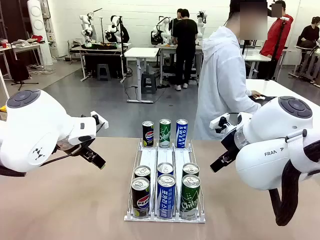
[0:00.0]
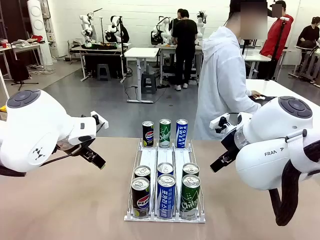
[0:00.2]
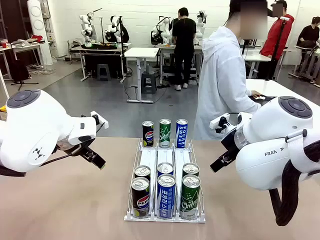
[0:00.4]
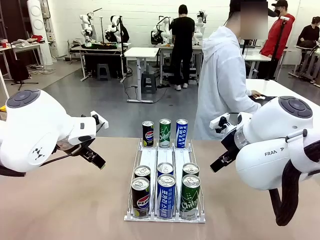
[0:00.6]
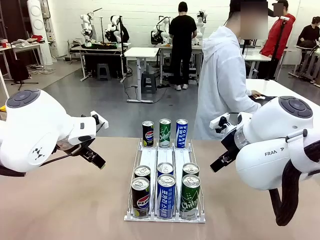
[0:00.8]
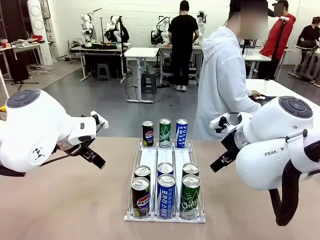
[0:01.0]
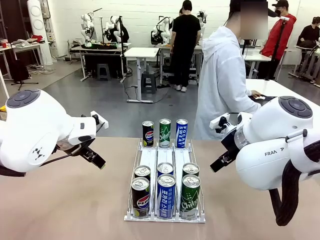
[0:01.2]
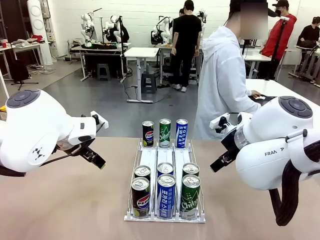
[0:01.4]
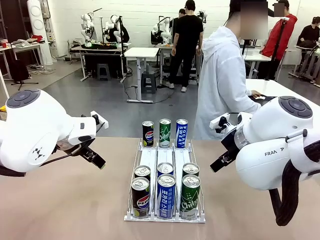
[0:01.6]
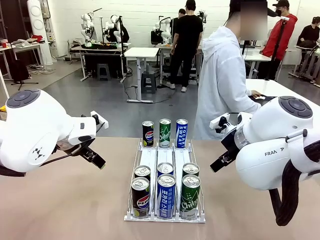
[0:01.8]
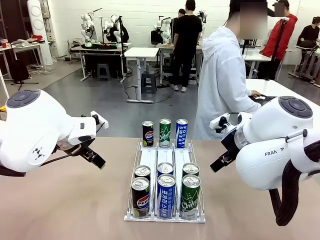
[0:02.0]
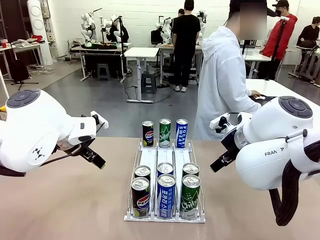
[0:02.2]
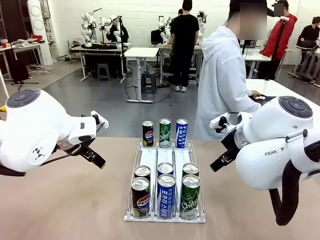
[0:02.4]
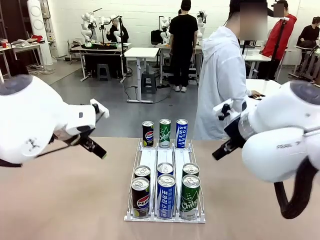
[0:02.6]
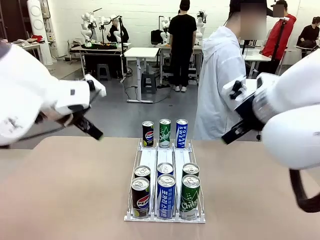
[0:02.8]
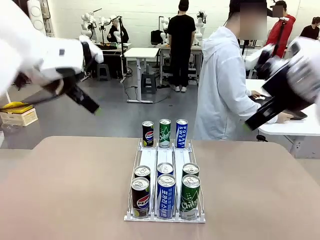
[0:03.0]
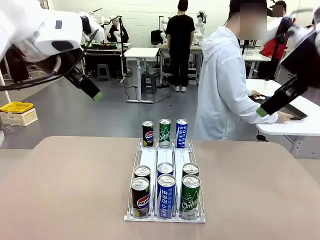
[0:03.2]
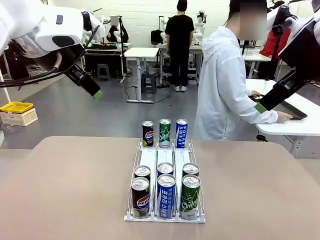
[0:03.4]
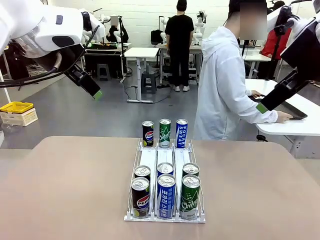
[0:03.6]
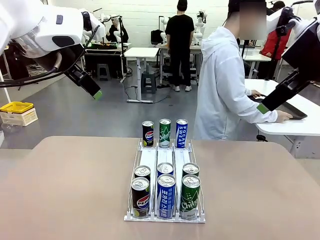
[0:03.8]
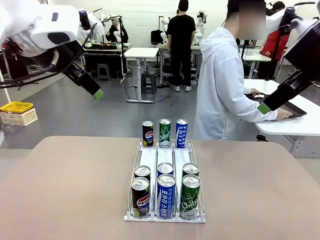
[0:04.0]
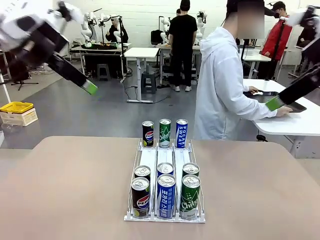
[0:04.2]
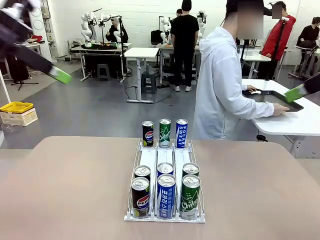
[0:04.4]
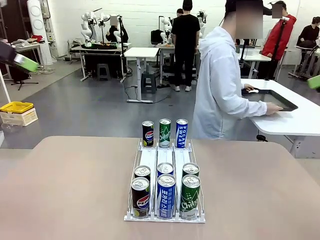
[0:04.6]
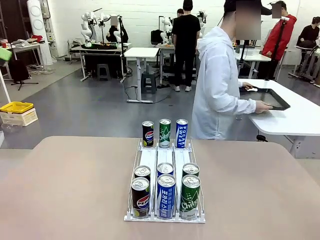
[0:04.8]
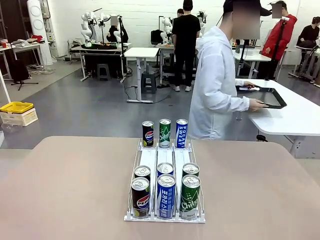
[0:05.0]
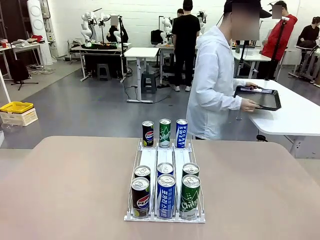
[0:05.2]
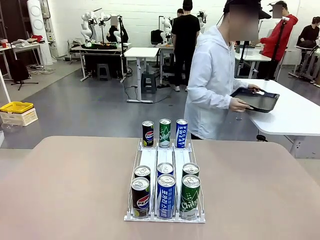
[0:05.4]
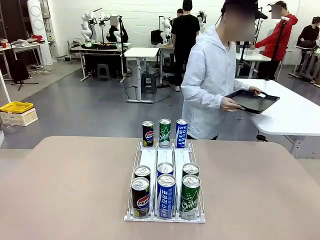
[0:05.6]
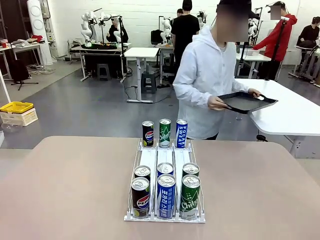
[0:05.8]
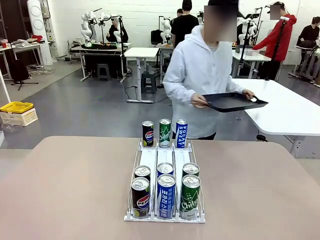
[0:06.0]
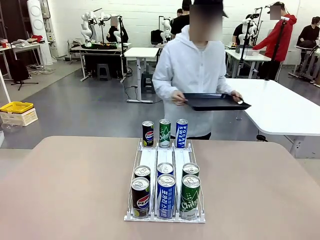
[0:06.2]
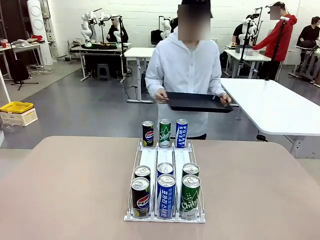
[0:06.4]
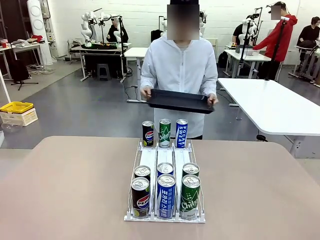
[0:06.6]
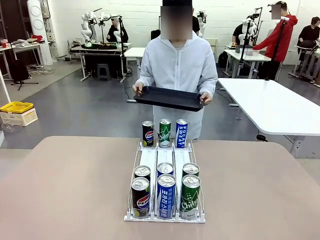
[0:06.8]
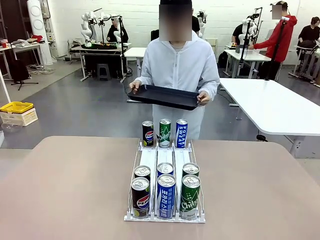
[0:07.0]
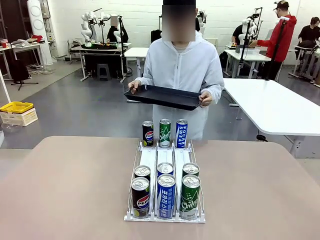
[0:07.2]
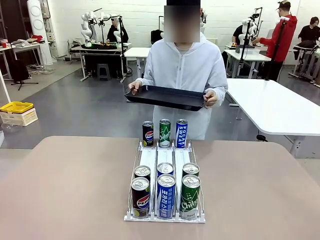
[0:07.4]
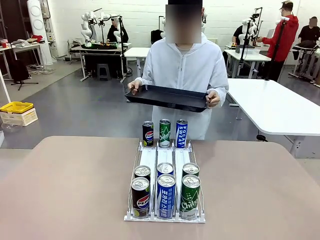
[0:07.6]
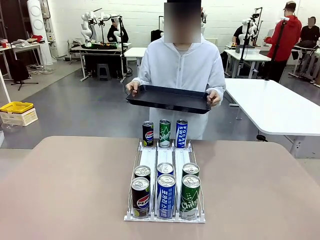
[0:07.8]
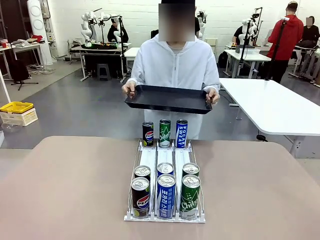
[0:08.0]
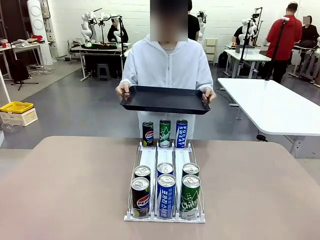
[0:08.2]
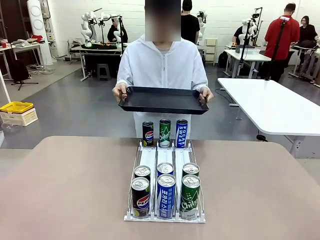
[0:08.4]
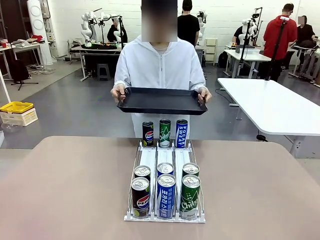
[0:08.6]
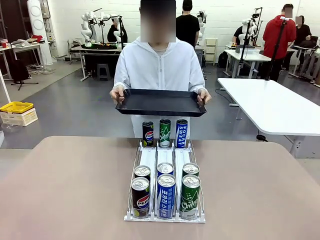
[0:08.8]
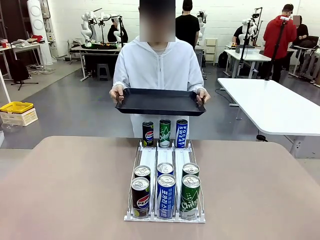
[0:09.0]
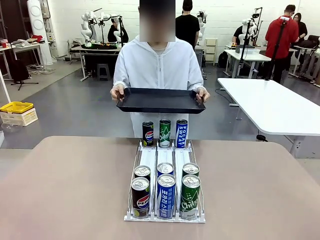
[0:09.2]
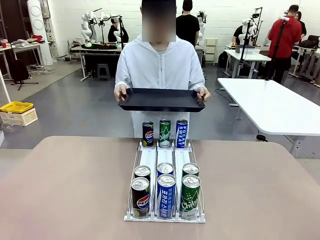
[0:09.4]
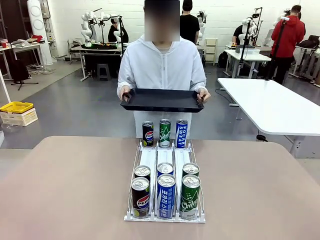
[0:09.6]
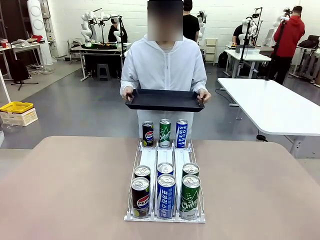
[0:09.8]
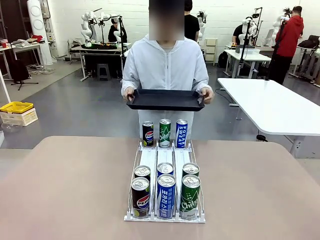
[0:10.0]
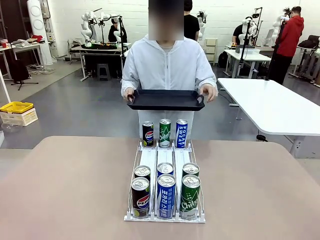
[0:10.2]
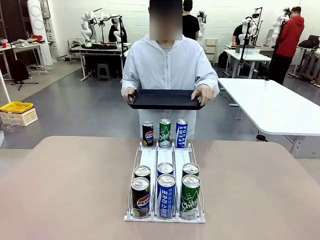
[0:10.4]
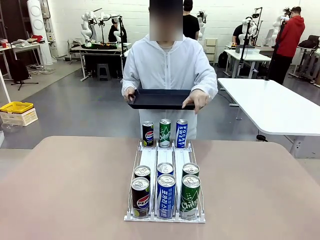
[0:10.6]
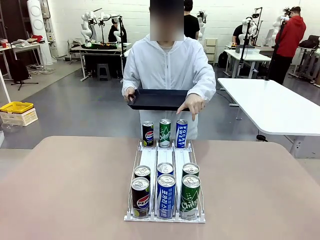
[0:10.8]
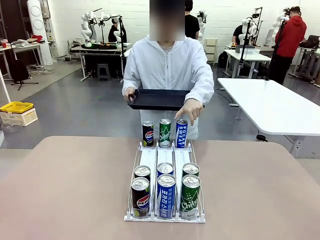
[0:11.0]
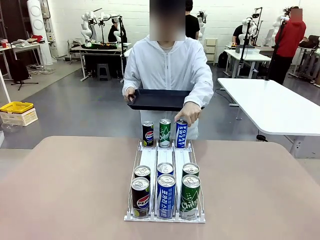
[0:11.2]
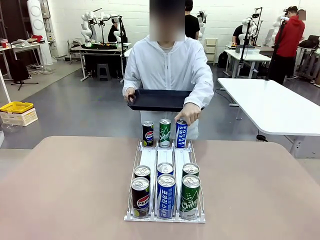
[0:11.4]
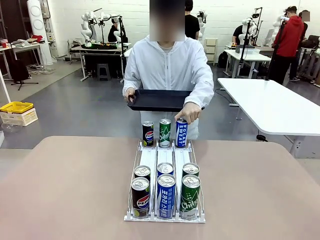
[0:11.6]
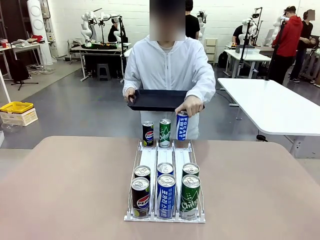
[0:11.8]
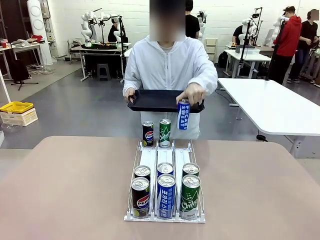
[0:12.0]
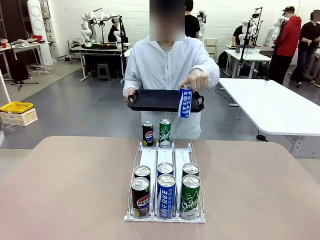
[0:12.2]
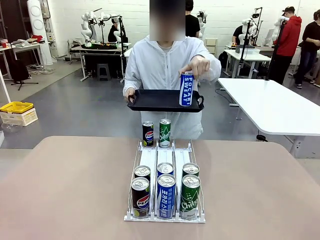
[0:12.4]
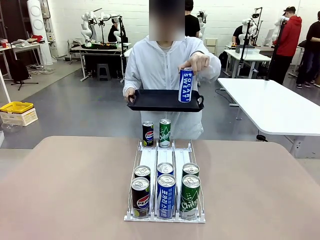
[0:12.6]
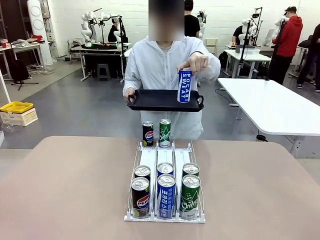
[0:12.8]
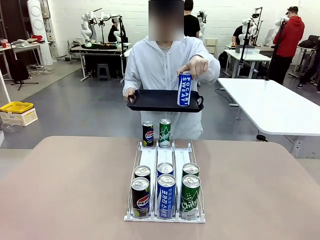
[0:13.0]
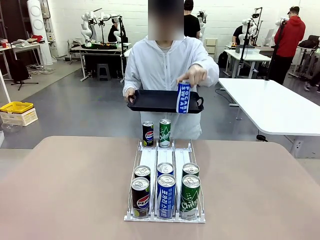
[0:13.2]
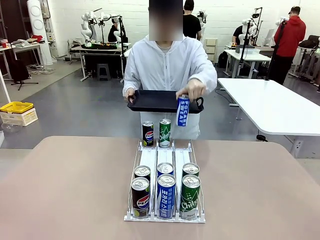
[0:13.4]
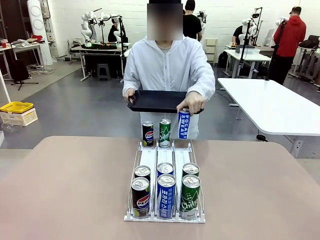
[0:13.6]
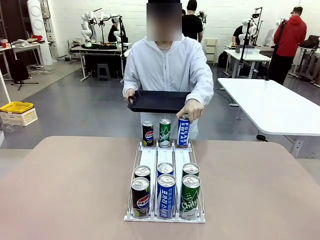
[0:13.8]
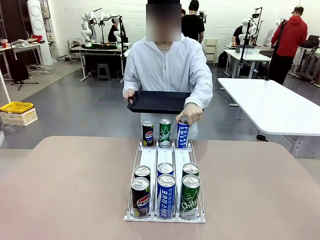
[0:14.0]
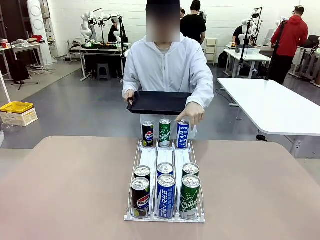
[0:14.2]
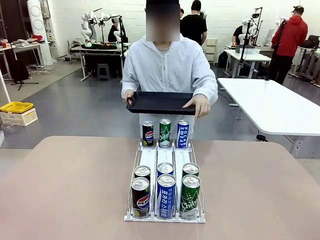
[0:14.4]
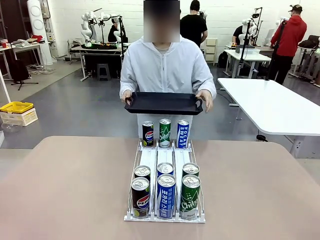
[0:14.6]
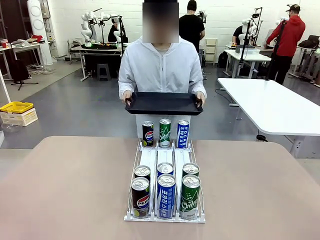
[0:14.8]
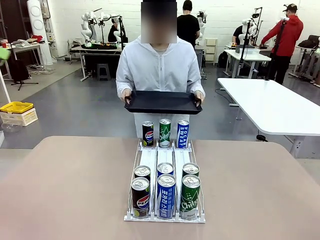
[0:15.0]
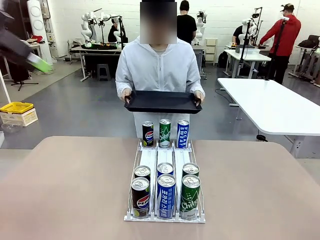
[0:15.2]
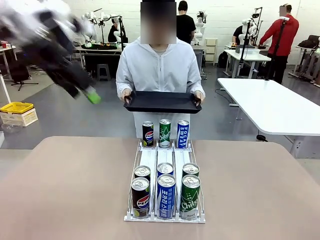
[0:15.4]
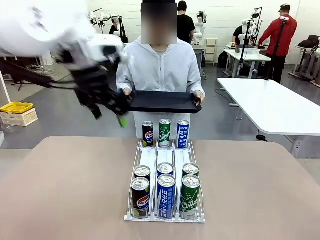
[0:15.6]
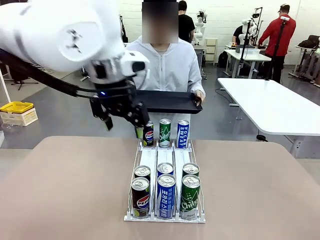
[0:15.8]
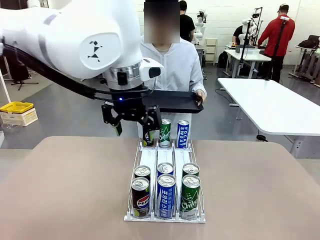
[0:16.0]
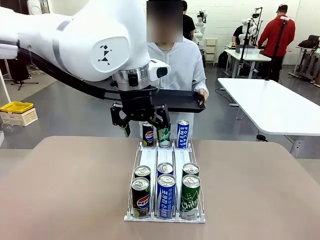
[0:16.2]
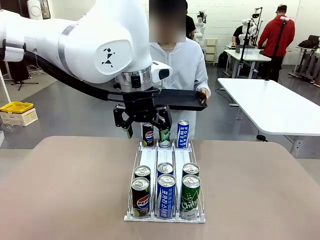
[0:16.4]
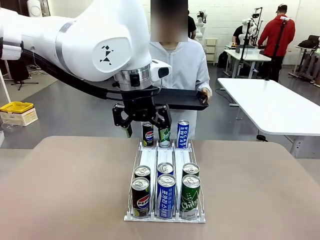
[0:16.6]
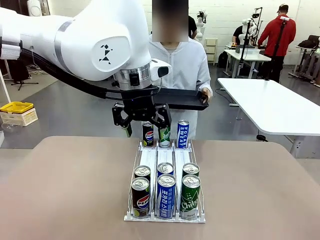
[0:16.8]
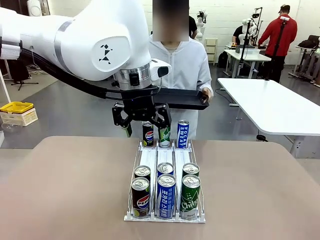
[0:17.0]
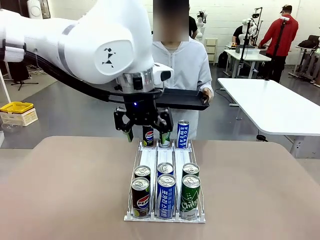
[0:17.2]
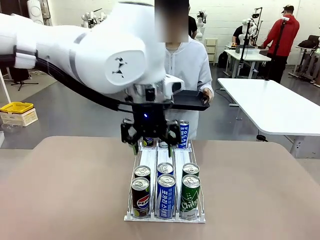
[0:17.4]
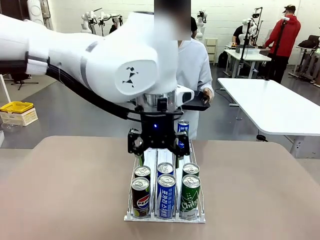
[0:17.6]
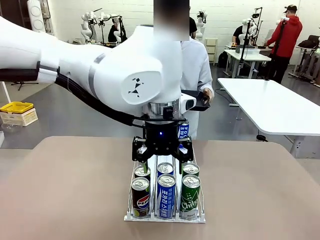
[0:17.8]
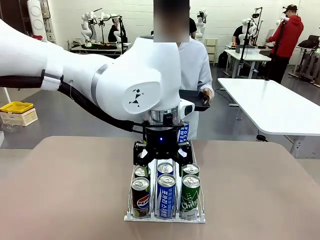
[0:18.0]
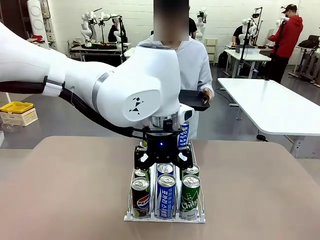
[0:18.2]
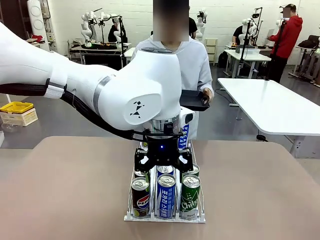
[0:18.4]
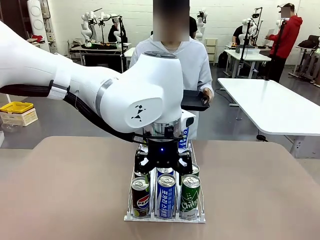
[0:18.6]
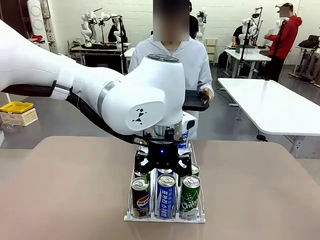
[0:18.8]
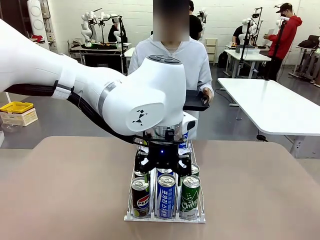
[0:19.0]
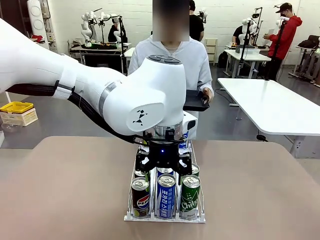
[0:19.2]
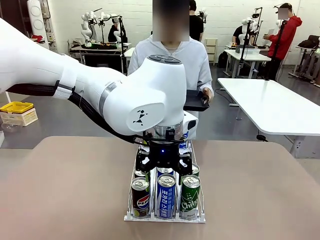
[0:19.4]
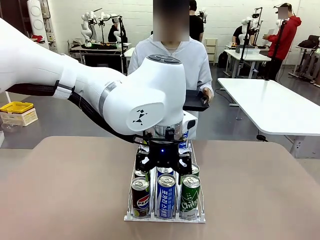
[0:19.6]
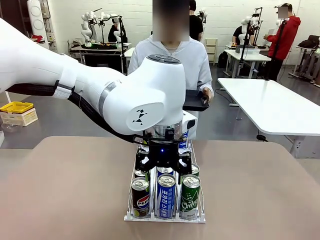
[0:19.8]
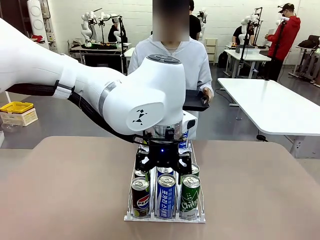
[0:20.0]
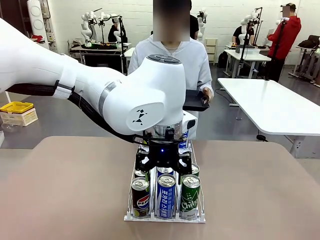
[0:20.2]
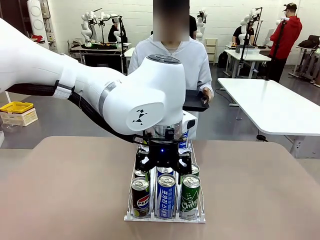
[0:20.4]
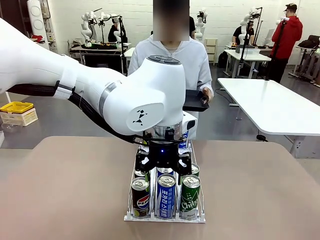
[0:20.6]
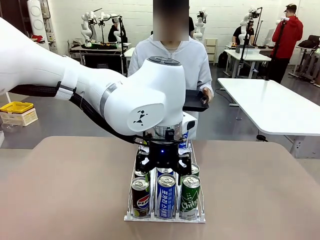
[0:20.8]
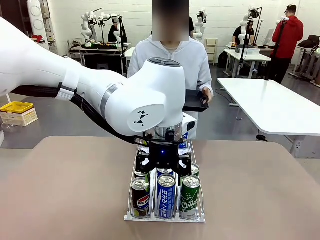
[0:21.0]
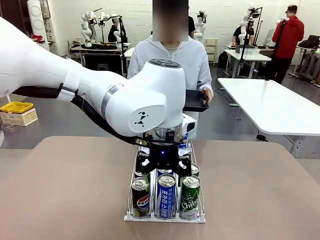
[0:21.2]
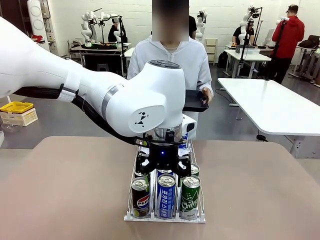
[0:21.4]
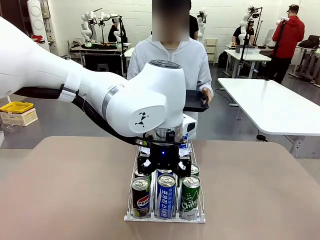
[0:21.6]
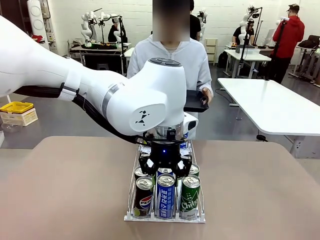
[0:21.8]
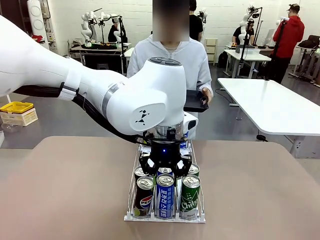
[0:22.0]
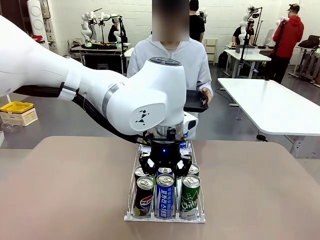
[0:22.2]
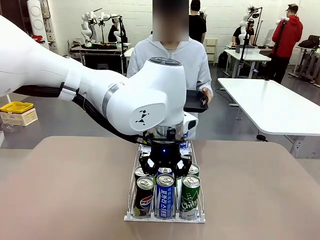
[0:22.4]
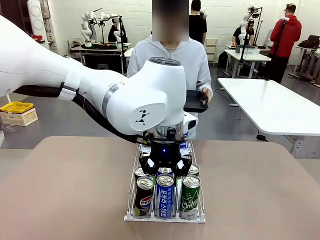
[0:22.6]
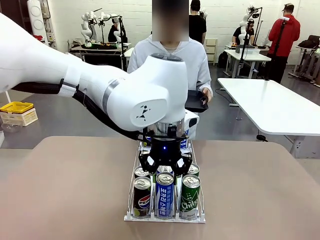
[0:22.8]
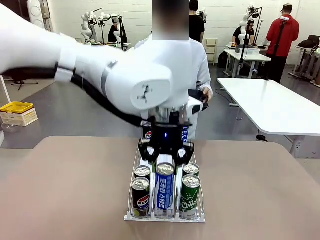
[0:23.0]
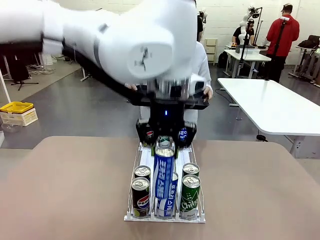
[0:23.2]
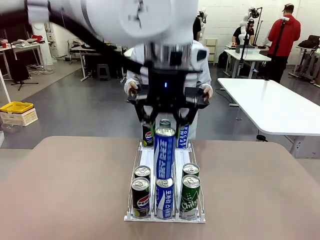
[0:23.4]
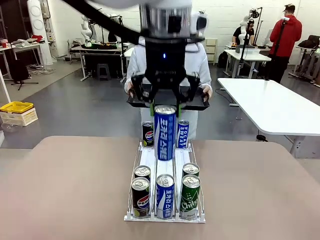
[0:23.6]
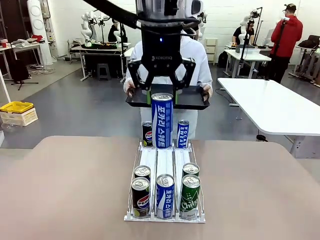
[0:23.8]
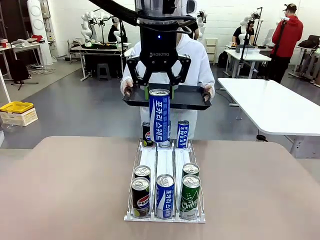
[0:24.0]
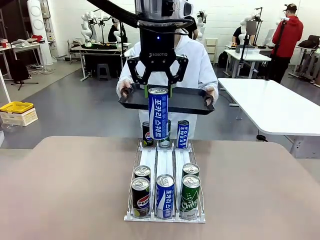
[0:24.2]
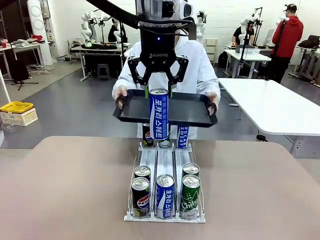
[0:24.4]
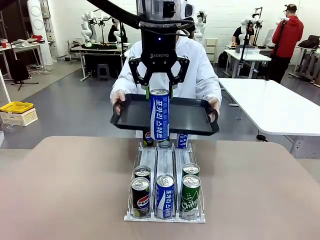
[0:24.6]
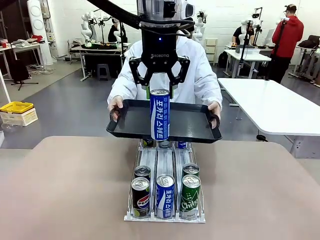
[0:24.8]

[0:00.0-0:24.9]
Task: Retrieve and hand over the desired beverage to the person.
Robot: Pick up a can of the same type that the person held from the Automatic Can Dispenser.
Person: Hold the tray and position yourself in front of the robot table. Pick up one can from the bottom area of the table and puts it back in its original place. Push the tray toward the robot.
